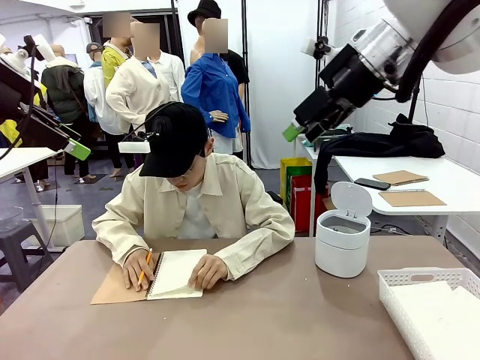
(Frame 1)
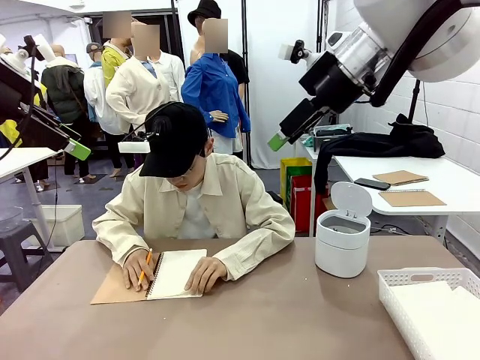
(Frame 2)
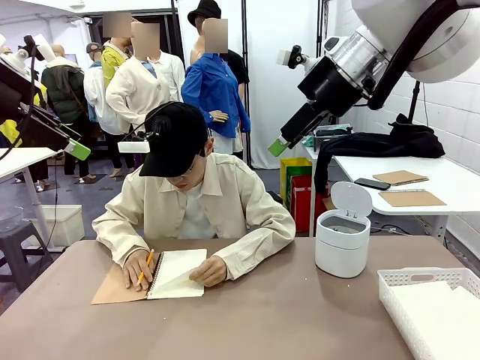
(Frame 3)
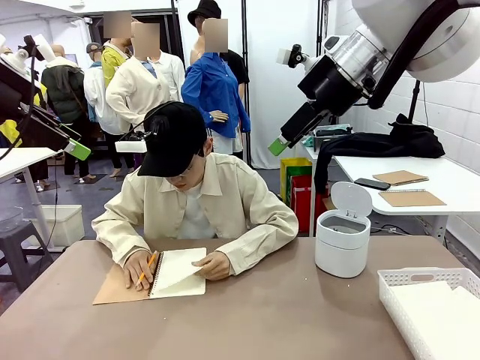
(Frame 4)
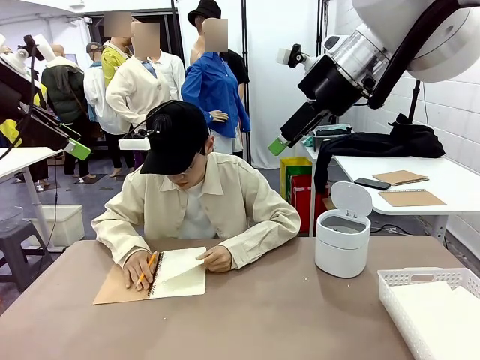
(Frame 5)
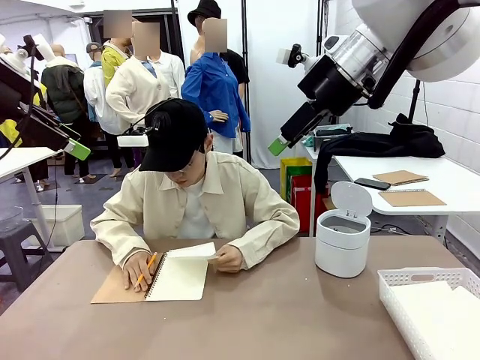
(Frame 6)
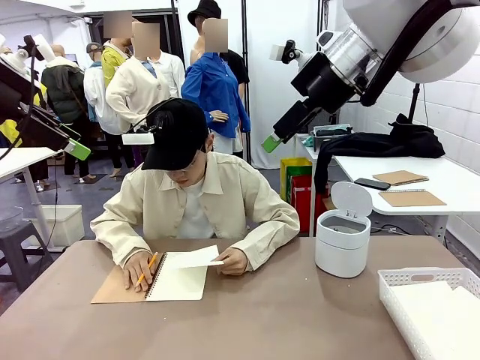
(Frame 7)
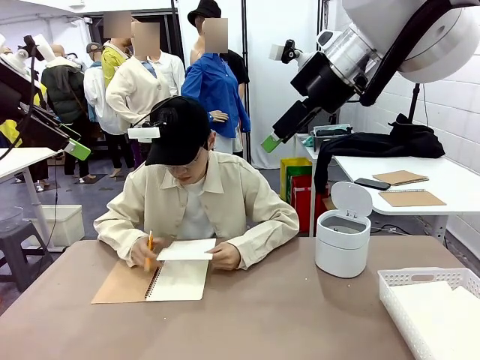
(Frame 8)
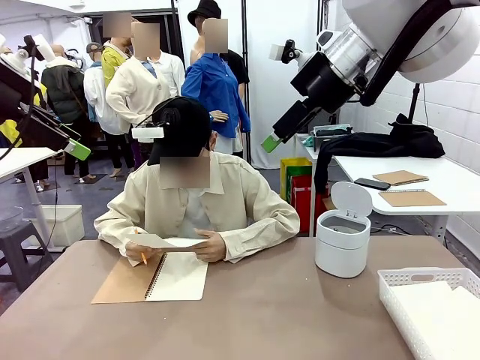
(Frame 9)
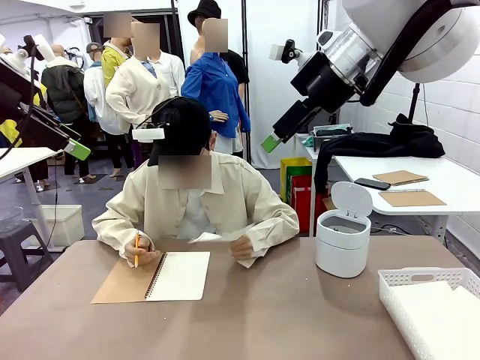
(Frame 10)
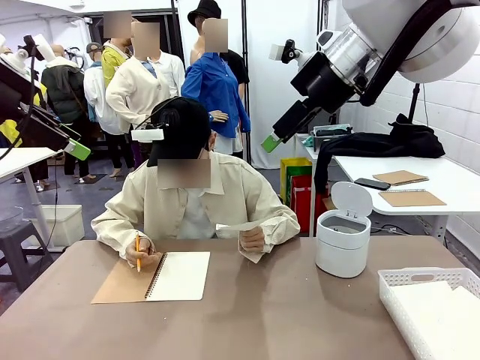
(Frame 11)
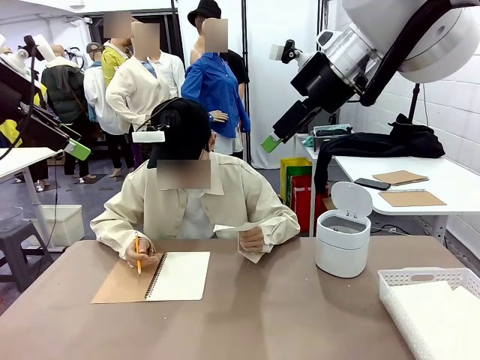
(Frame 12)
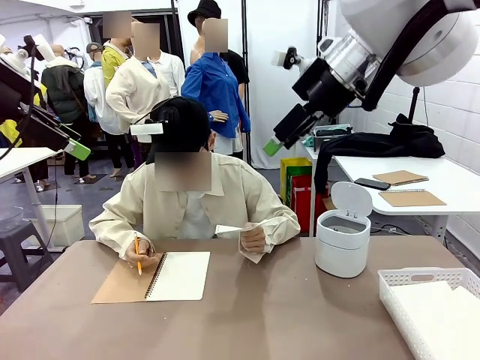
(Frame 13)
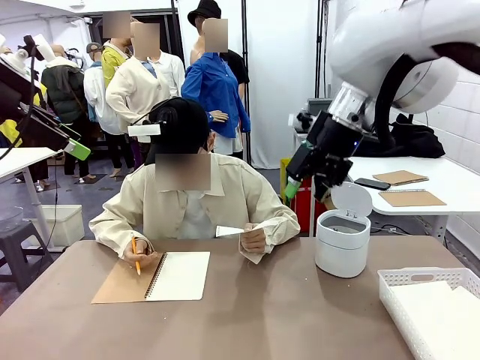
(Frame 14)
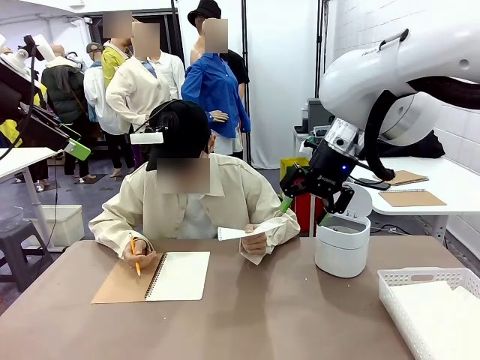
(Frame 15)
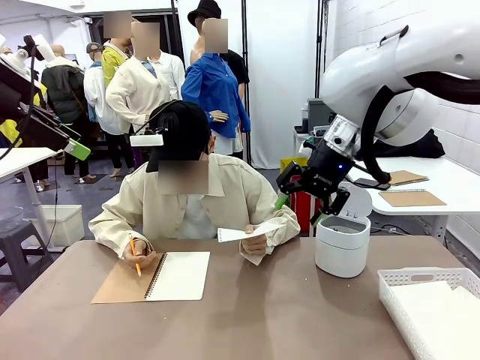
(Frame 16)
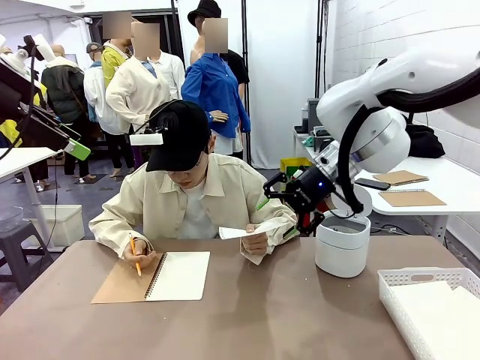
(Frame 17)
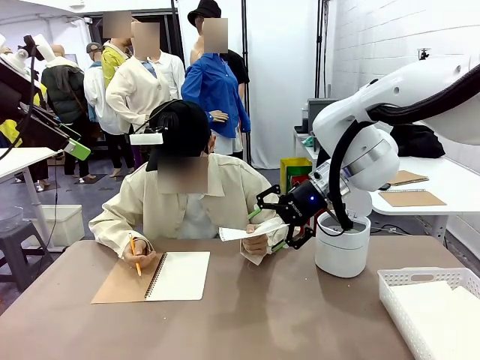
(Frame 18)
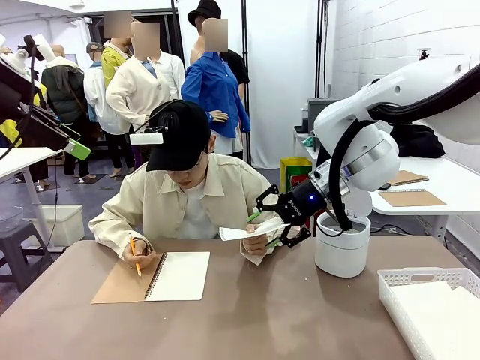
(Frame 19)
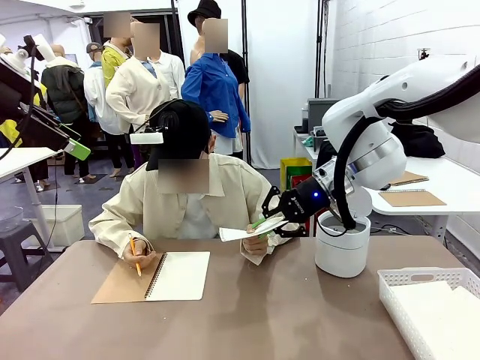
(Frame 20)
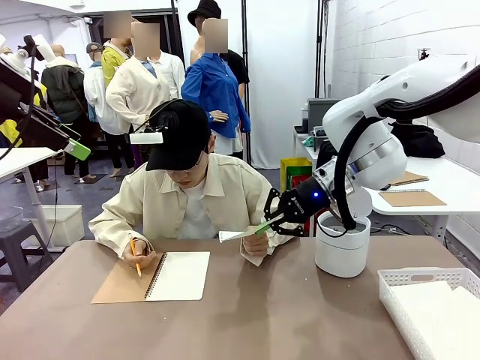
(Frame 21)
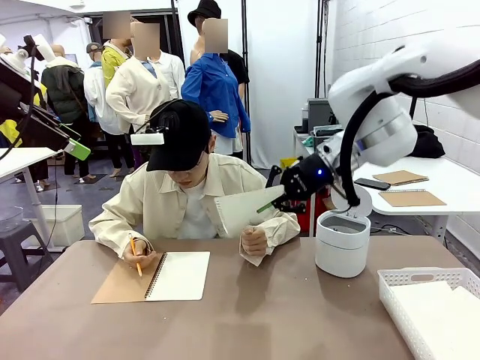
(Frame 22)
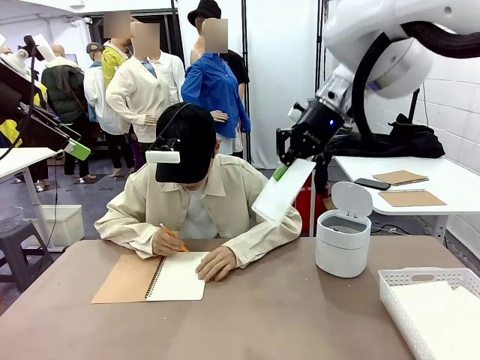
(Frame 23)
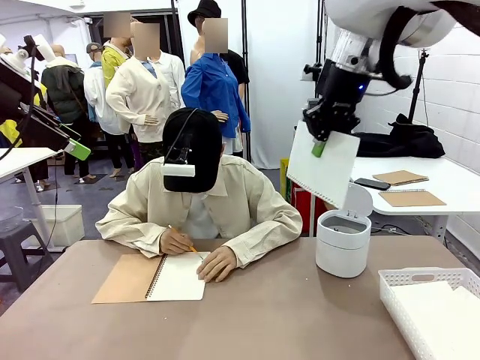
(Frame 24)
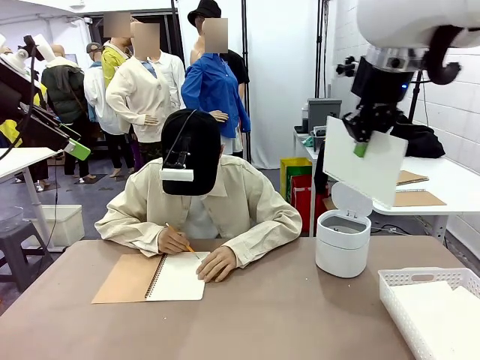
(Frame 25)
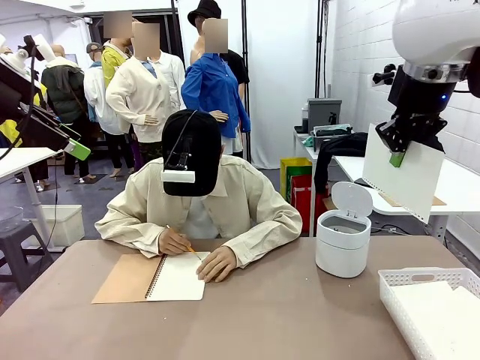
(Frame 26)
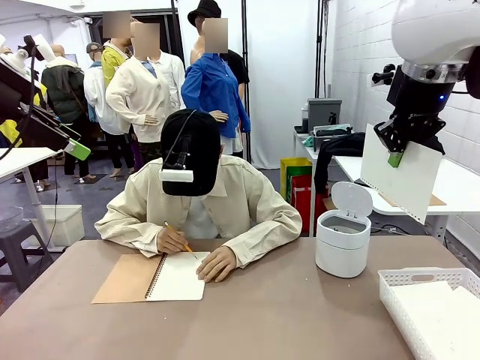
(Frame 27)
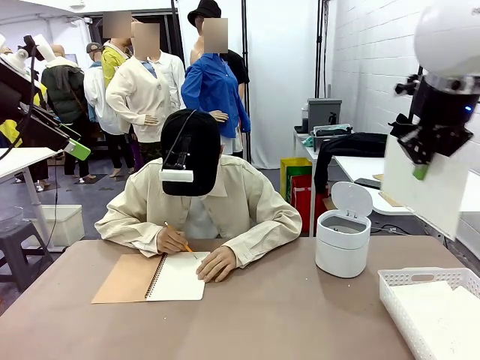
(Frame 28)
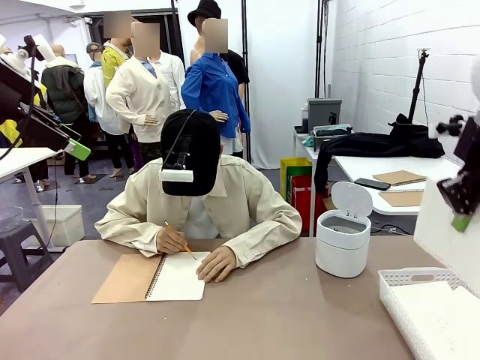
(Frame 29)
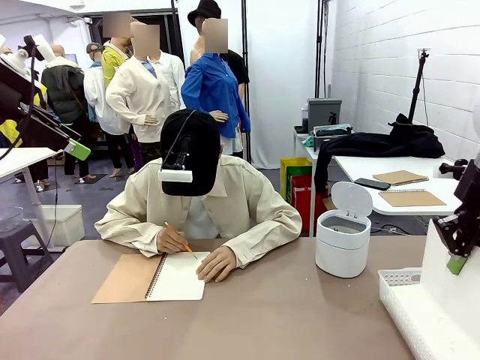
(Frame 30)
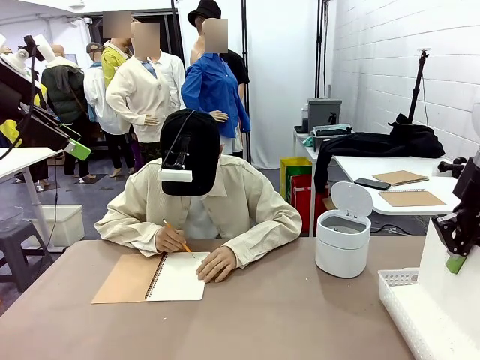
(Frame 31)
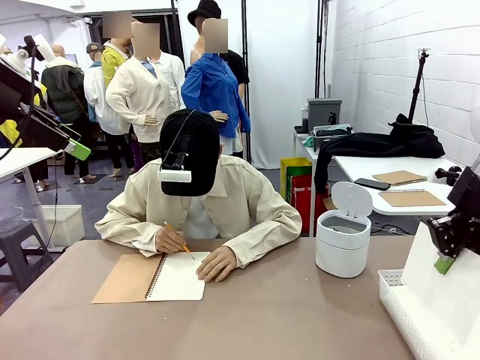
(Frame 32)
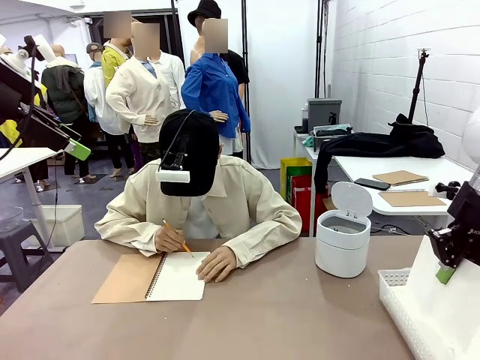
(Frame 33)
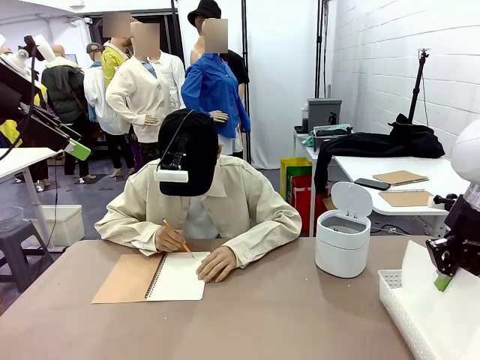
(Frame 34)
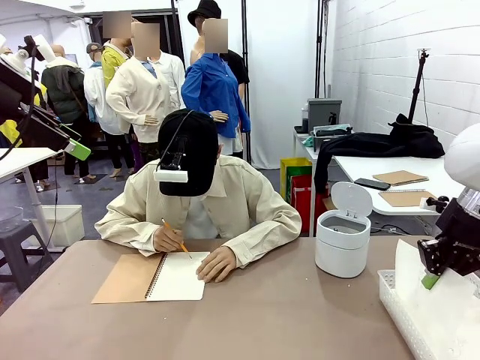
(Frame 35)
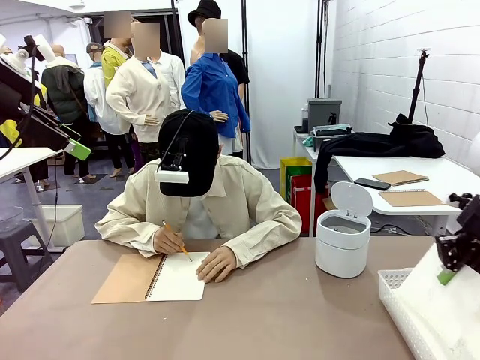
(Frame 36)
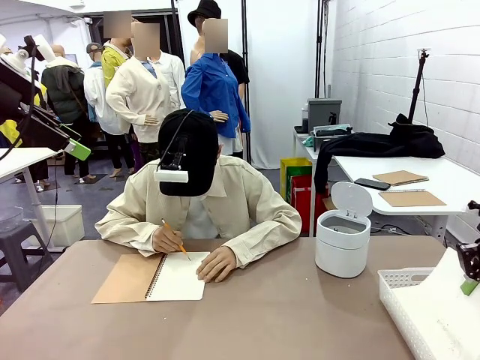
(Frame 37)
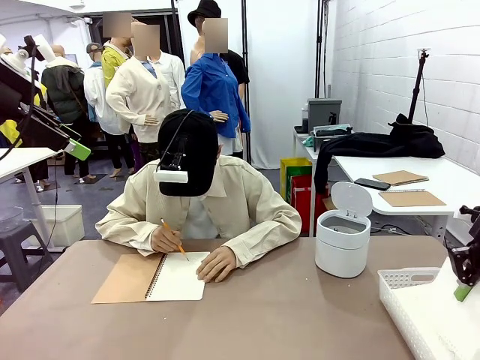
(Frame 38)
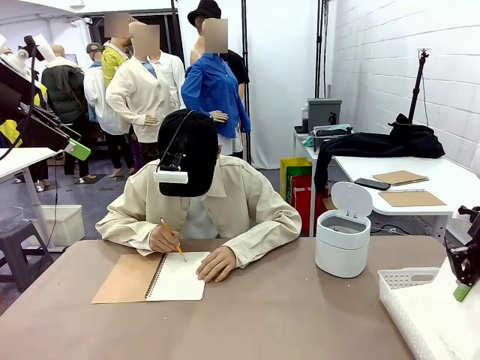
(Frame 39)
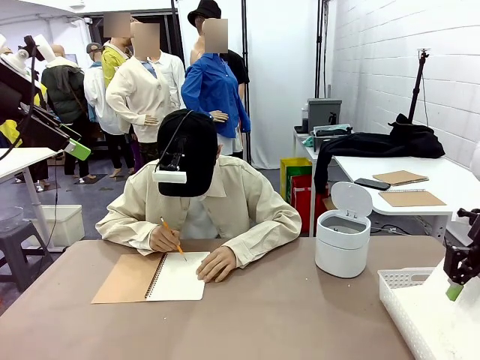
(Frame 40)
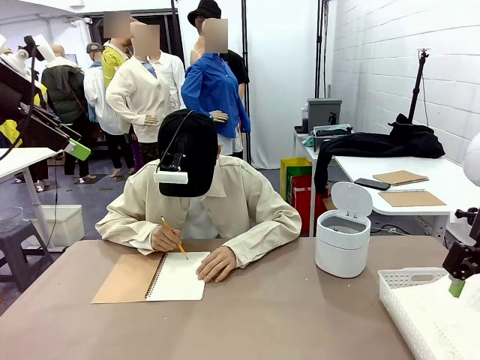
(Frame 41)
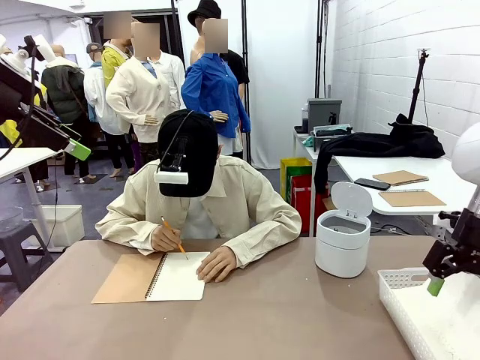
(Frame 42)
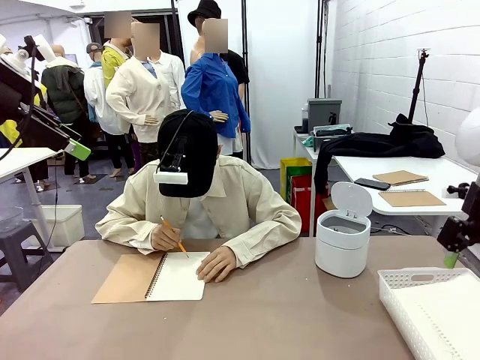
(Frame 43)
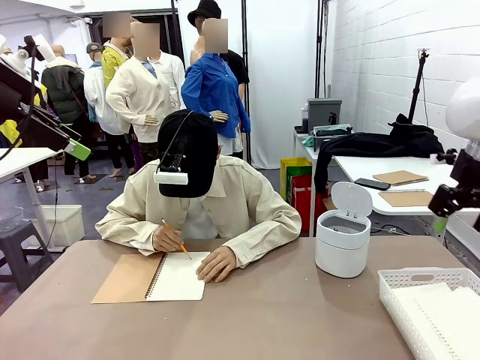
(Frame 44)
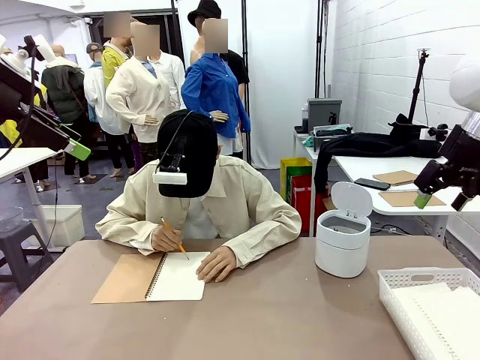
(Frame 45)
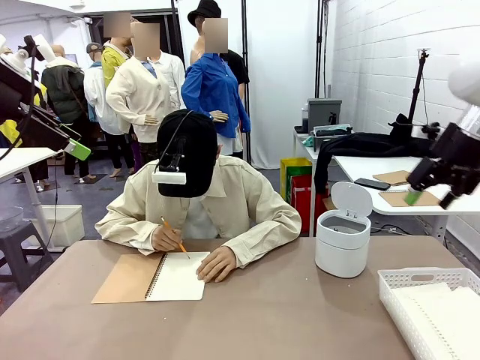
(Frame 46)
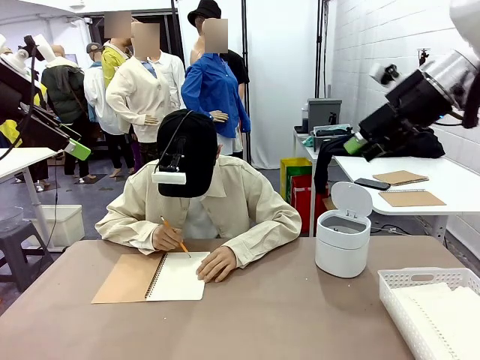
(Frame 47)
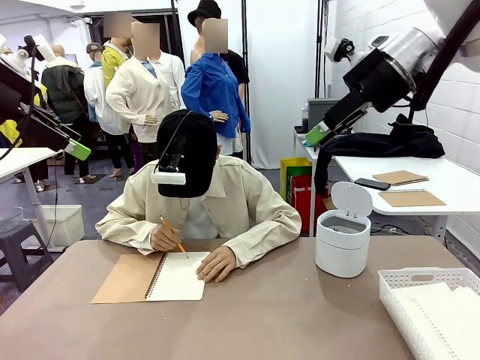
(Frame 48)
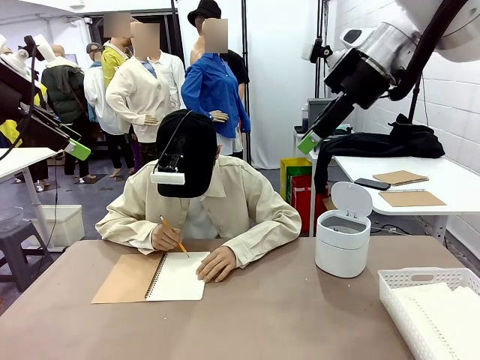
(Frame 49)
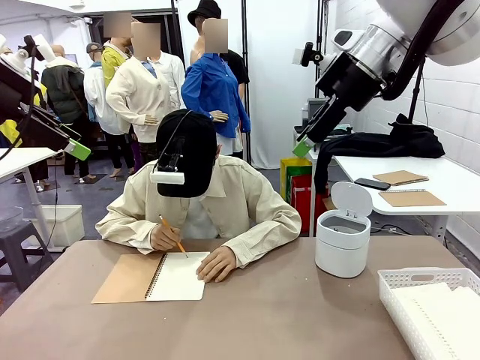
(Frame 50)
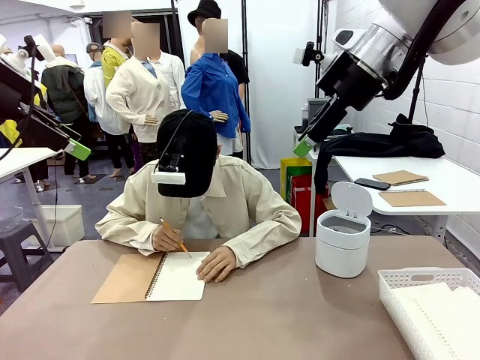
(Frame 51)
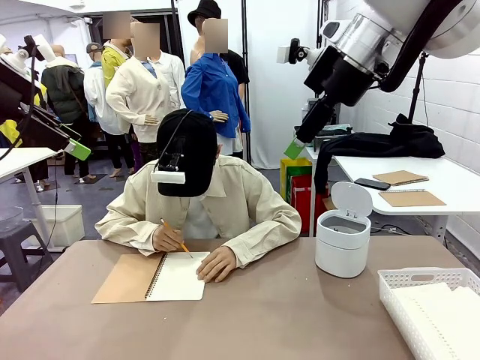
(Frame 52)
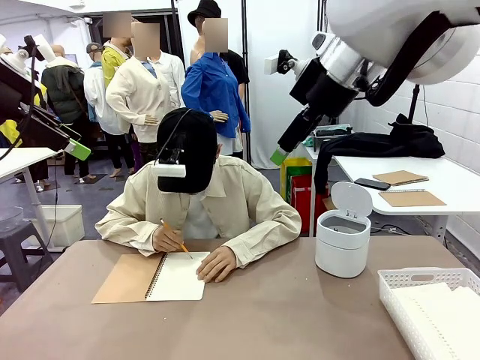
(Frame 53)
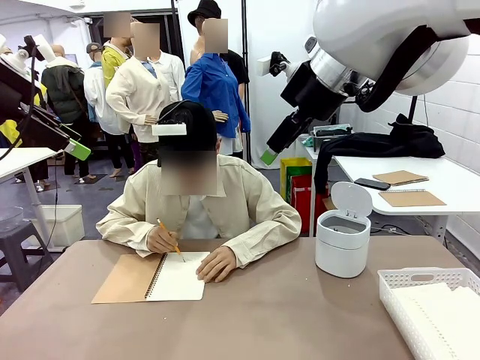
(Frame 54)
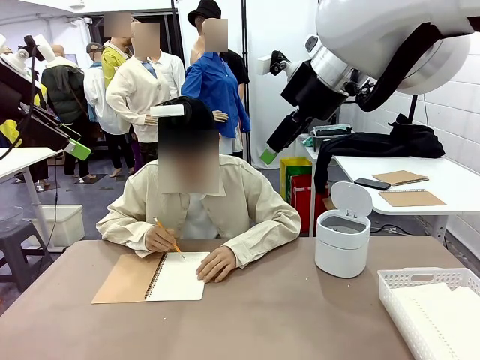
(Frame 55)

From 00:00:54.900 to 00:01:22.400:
Task: Sort the paper based on its condition.
Robot: If a person hands you a paper, place it in the Organizing basket , and if it's crumpled, put it in the Trash can.
Person: Hand the torn page to the robot or crumple it and throw it to the center of the table.

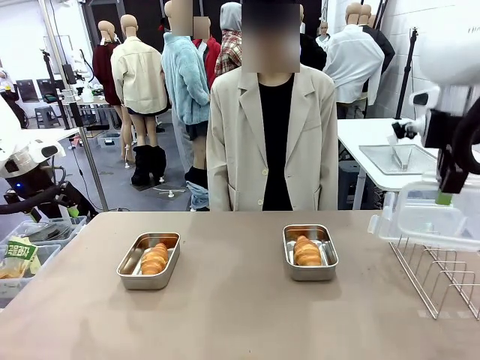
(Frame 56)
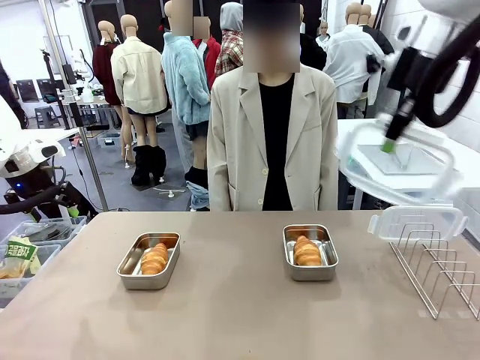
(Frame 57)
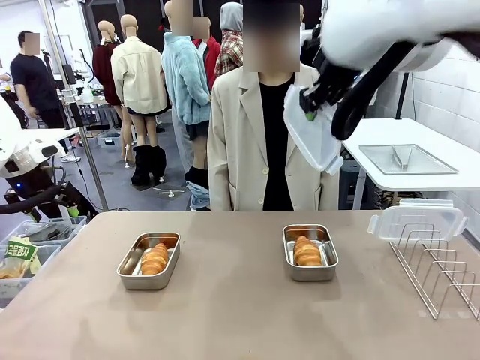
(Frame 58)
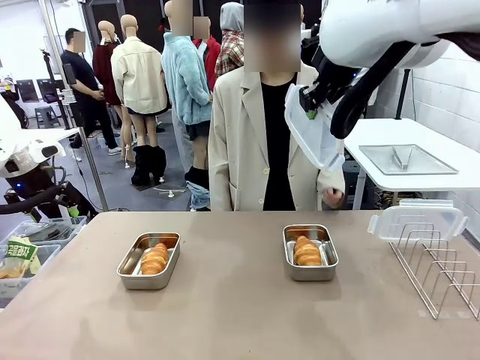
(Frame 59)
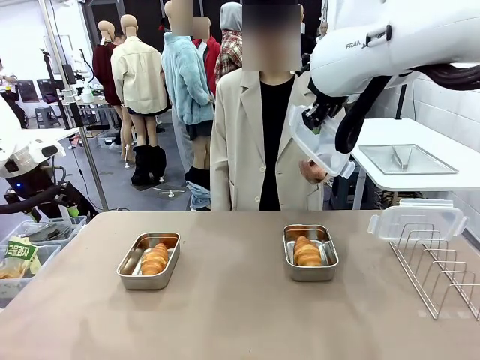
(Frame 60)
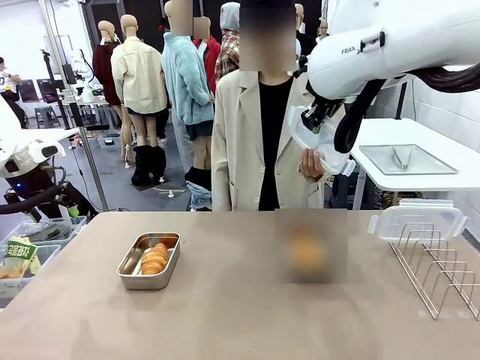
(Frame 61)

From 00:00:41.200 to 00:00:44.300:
Task: Place the bread in airtight containers.
Robot: Release when the human grabs the Airtight Container lid.
